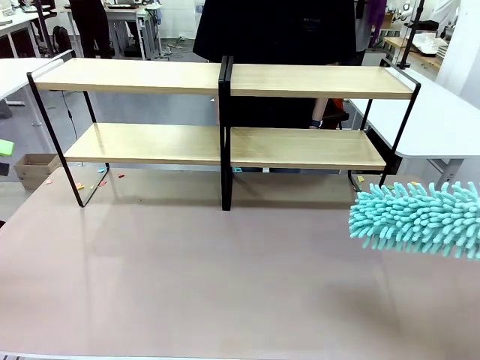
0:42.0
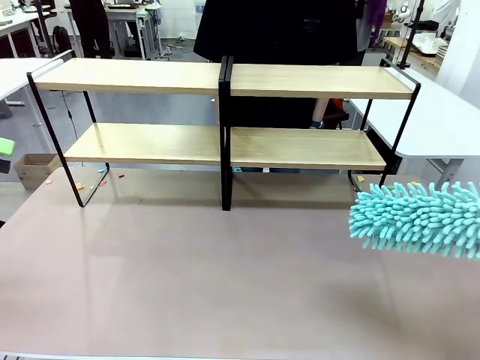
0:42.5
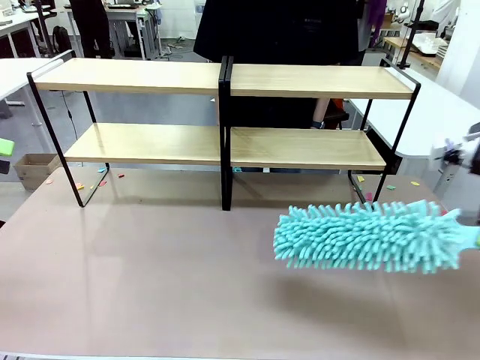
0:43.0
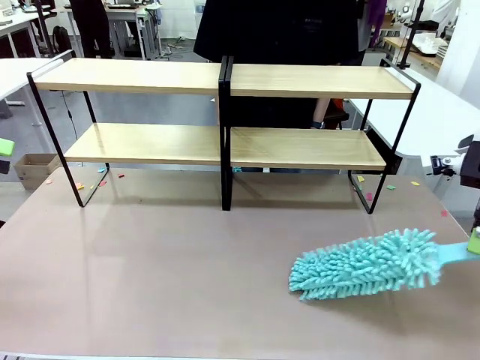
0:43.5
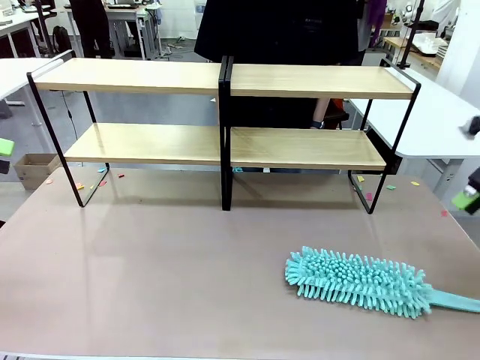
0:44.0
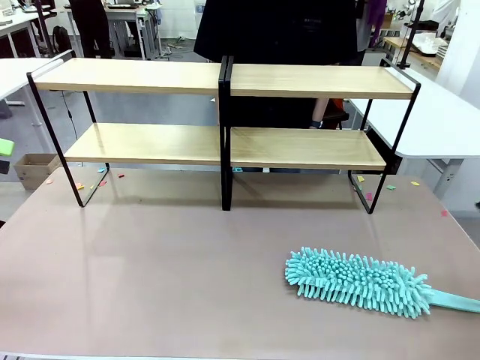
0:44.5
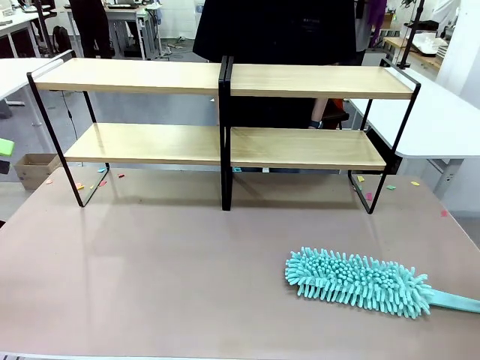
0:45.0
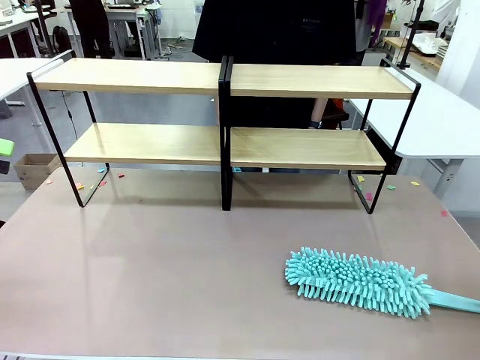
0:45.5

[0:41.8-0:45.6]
Task: Clean the shelves.
Robot: Place the Duster on the table.

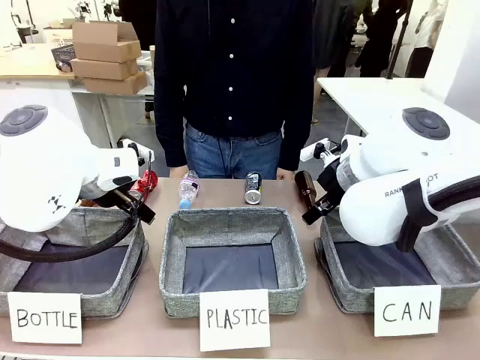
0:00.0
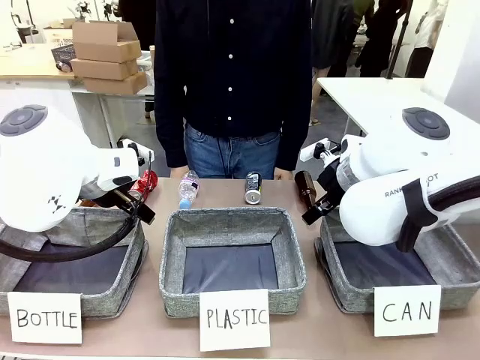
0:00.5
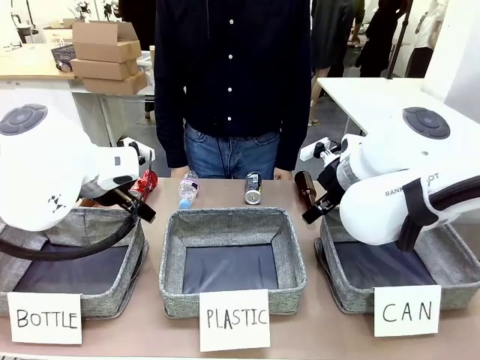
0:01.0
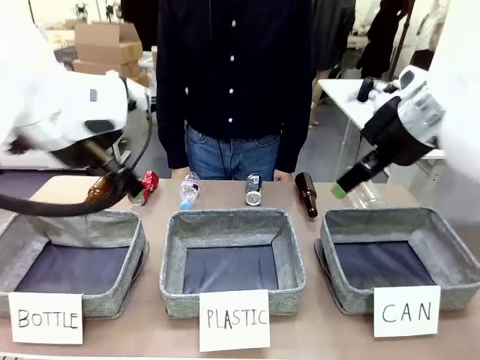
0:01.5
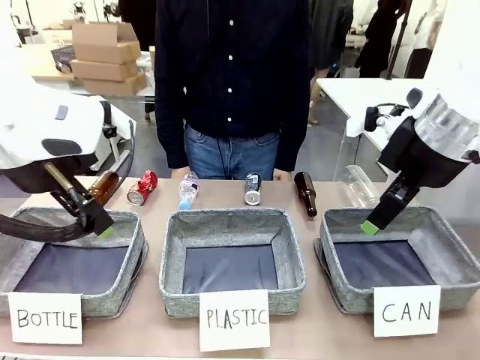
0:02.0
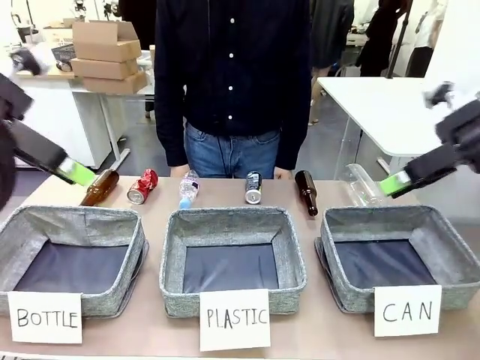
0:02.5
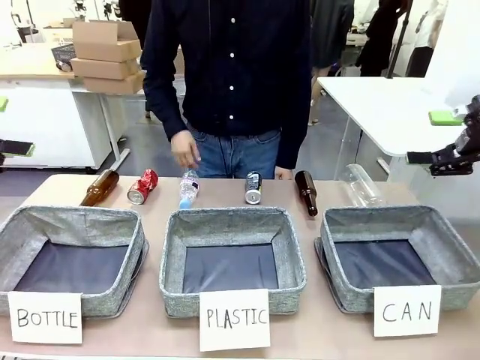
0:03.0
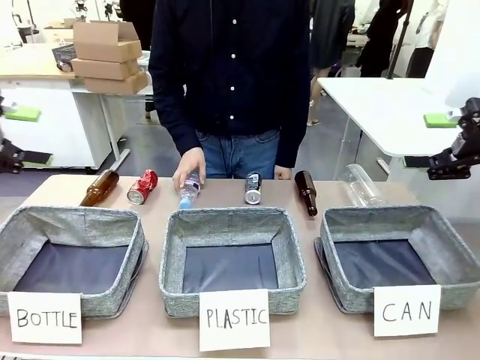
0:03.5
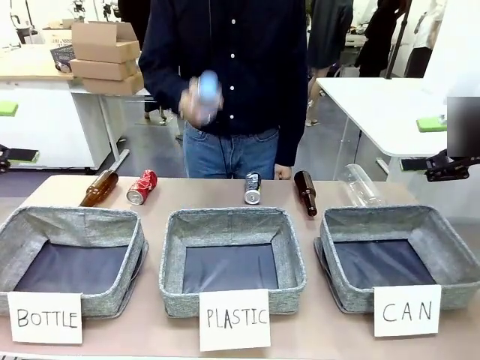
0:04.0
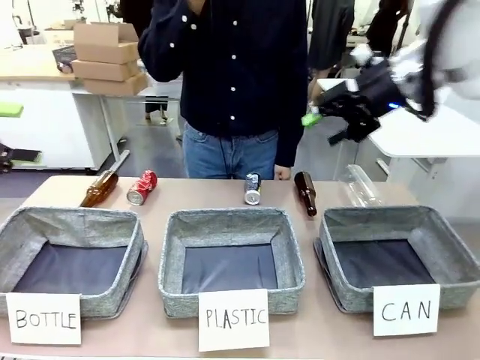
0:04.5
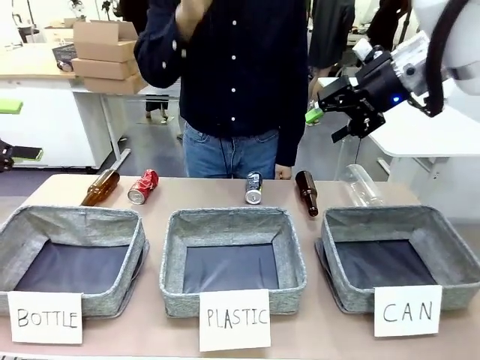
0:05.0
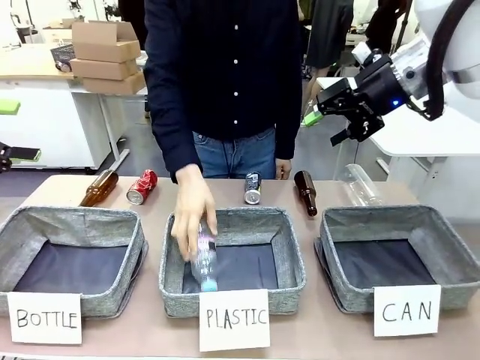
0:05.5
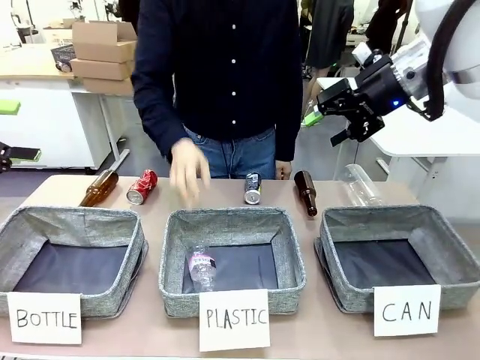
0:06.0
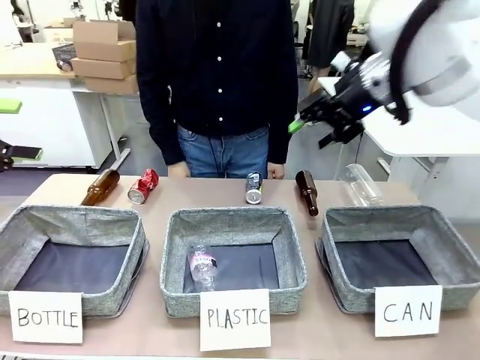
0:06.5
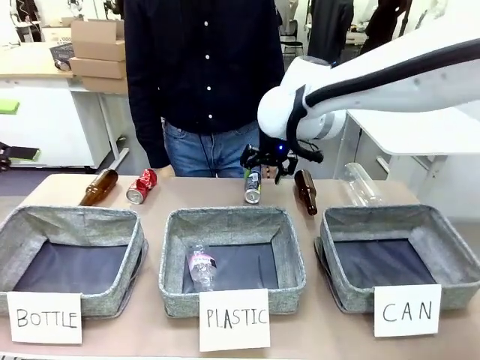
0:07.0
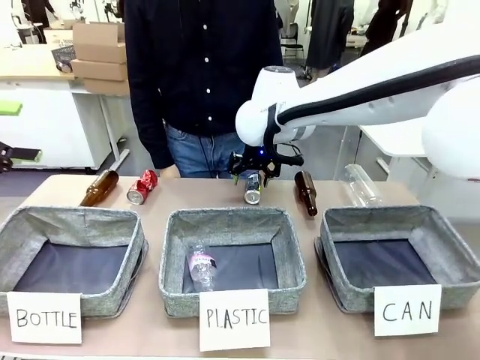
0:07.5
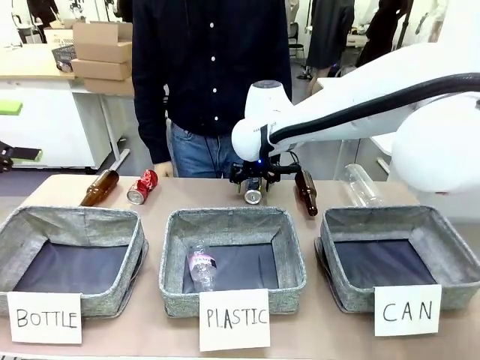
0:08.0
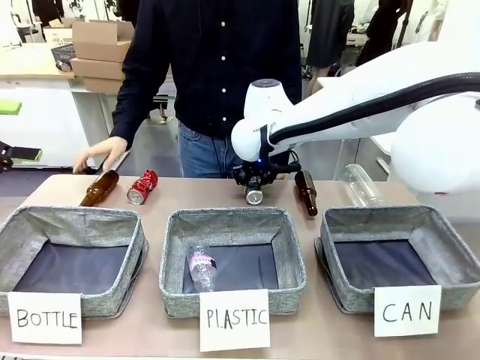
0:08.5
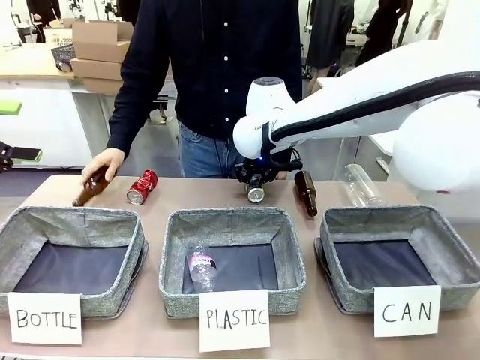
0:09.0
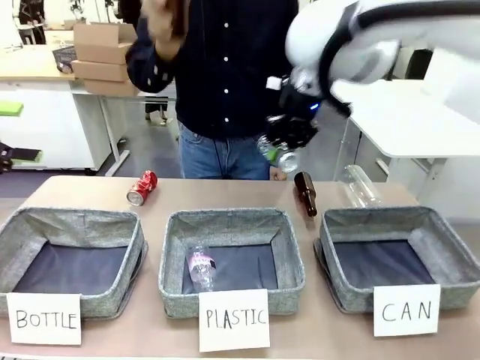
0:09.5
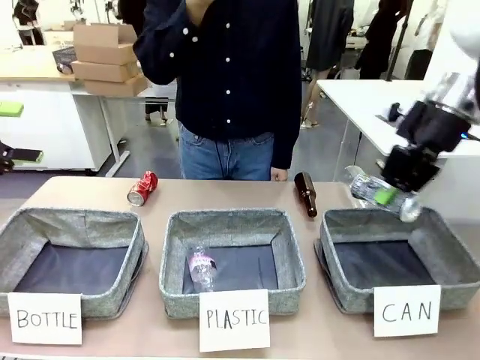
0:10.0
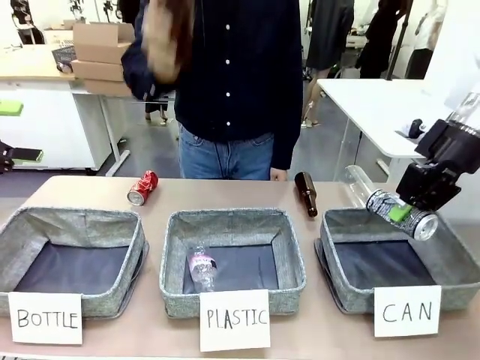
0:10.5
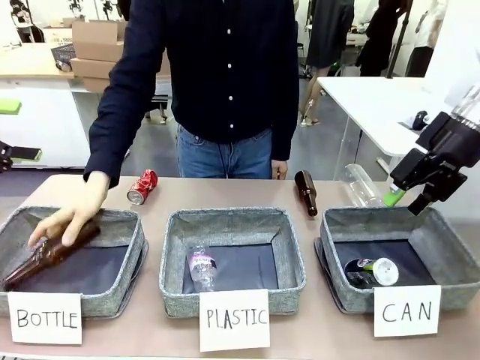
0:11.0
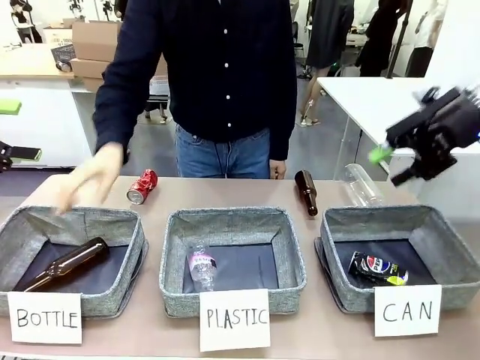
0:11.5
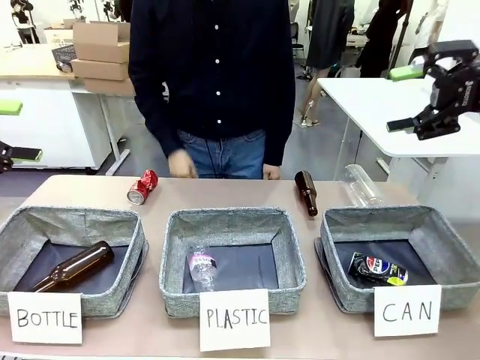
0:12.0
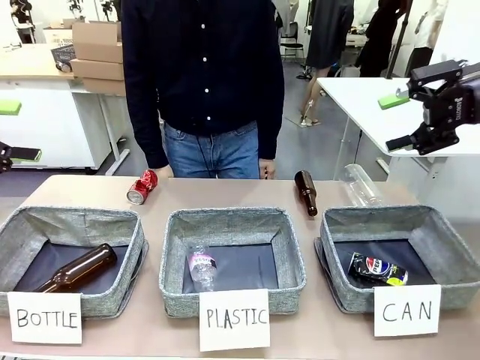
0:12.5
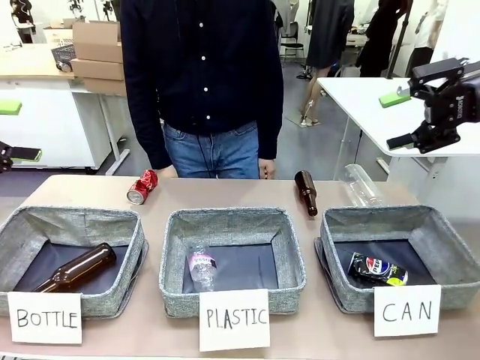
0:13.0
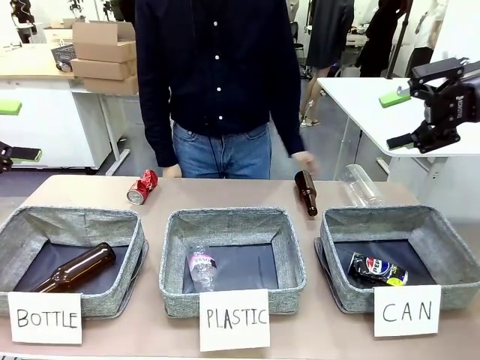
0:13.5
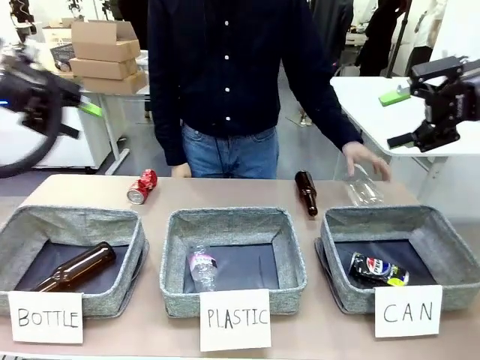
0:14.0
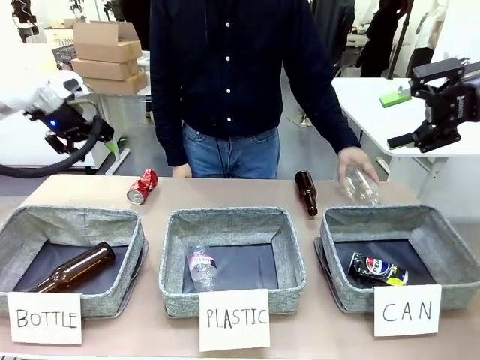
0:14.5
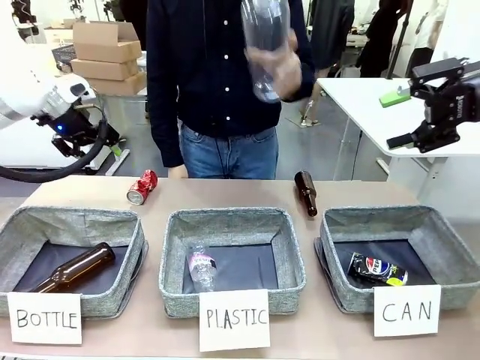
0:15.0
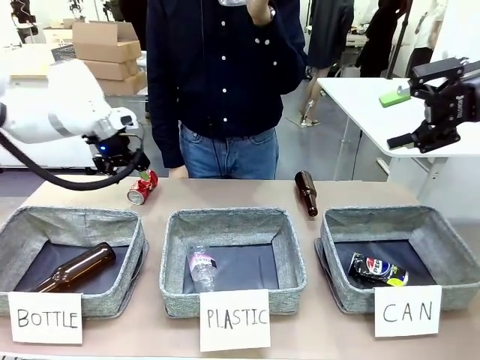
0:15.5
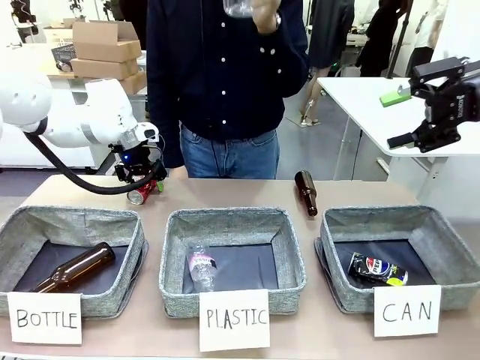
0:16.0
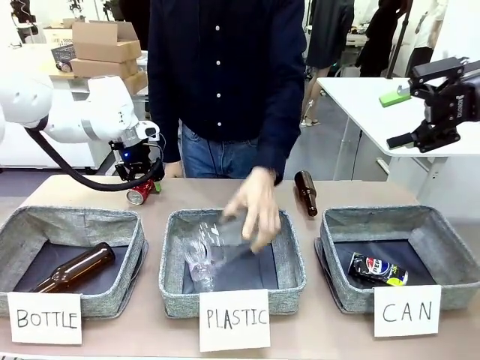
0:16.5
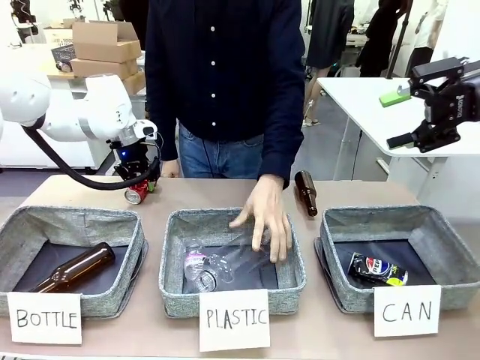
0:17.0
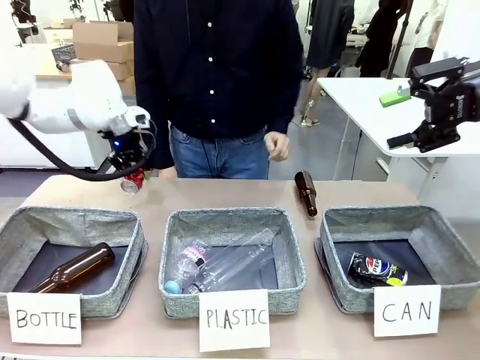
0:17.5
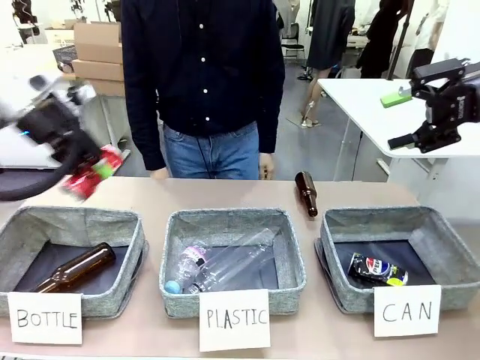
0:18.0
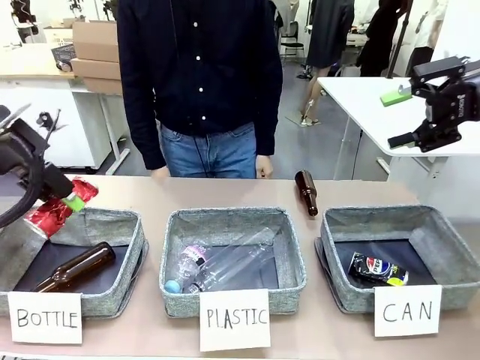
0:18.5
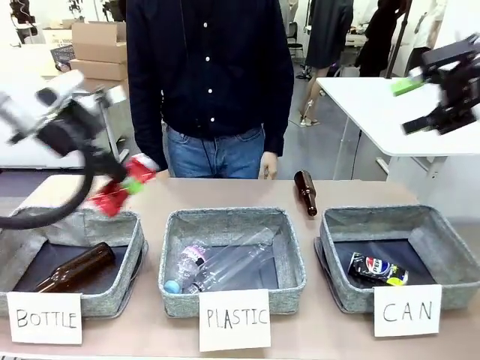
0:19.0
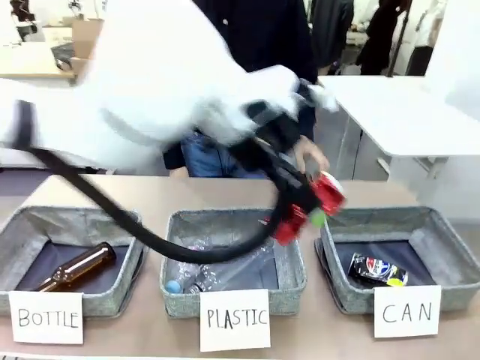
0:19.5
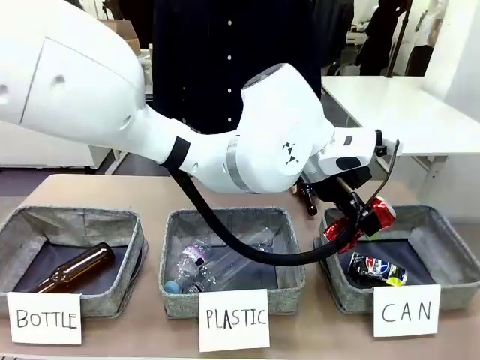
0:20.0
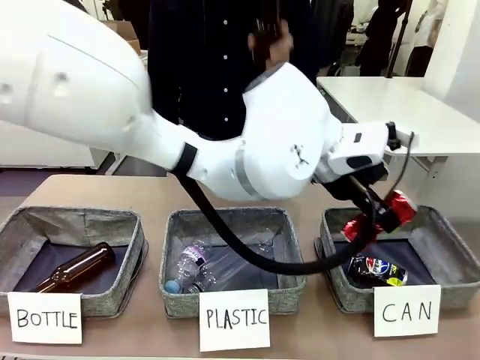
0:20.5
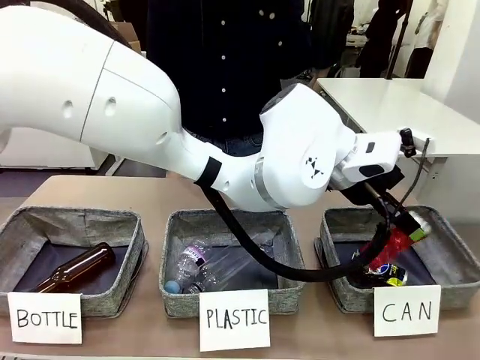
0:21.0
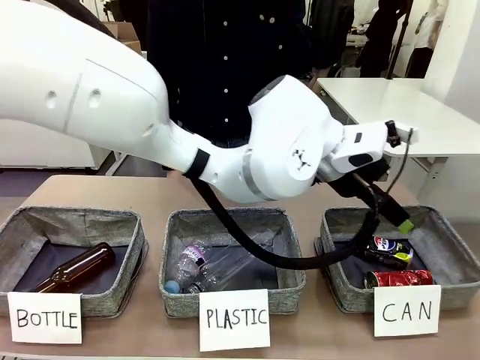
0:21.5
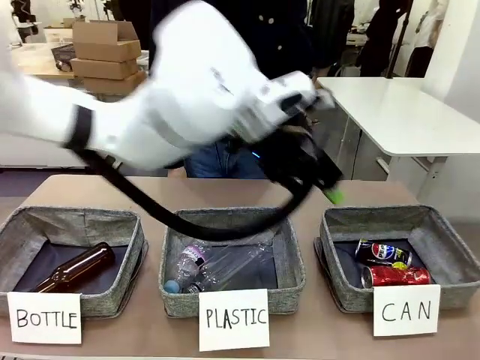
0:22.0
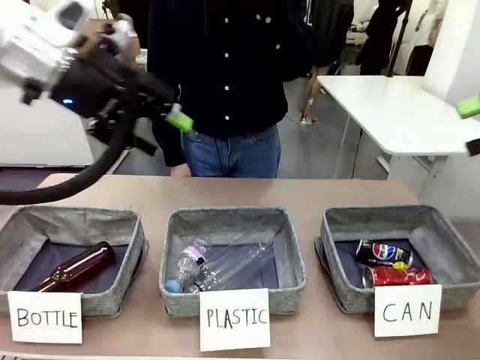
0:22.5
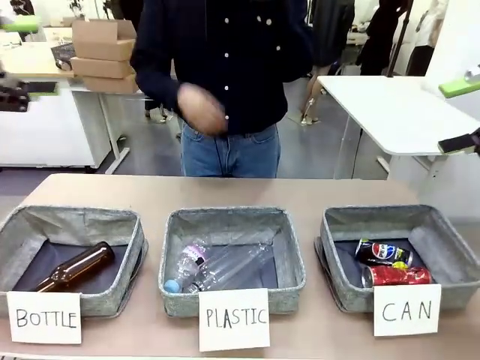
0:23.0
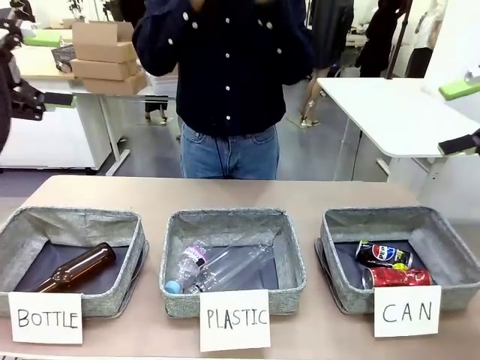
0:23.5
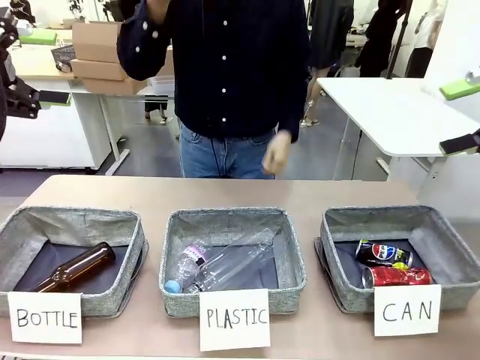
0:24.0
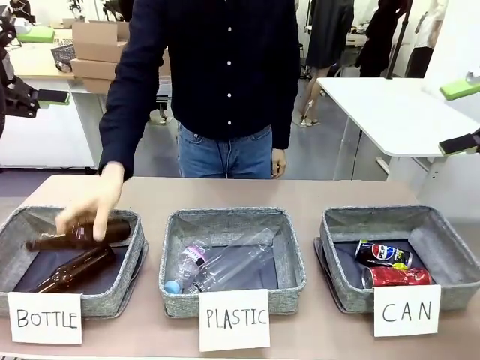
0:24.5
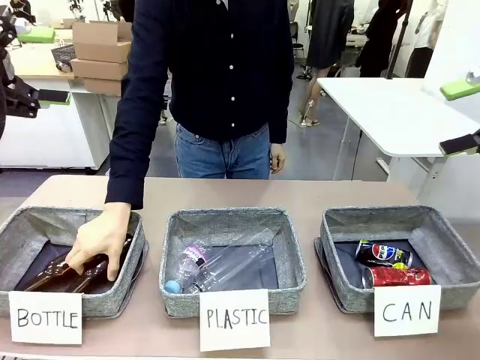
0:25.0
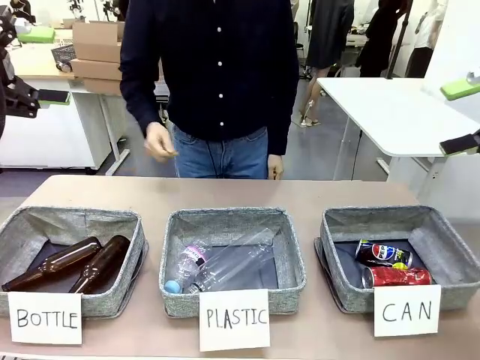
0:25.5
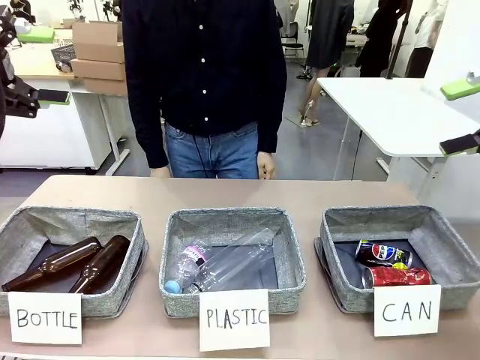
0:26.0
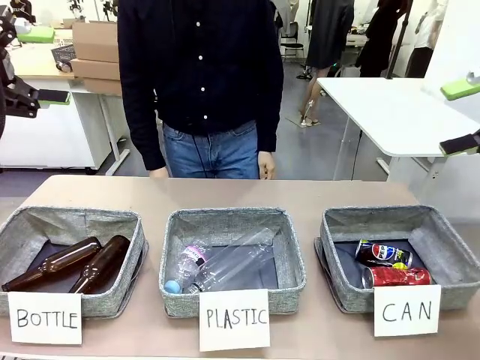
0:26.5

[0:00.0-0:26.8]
Task: Sort the can waste into the basket.
Robot: Pick up the can waste from the table and place it in the right Fabric basket.
Person: The human picks up one piece of trash that is not a can and places the trash into the appropriate organizing basket.
